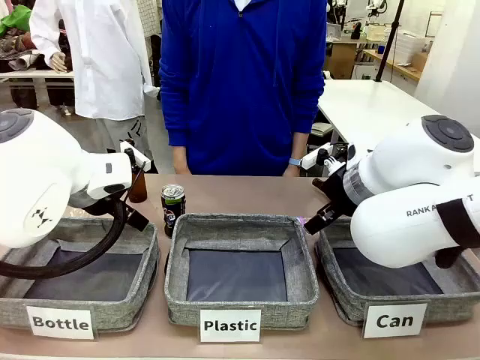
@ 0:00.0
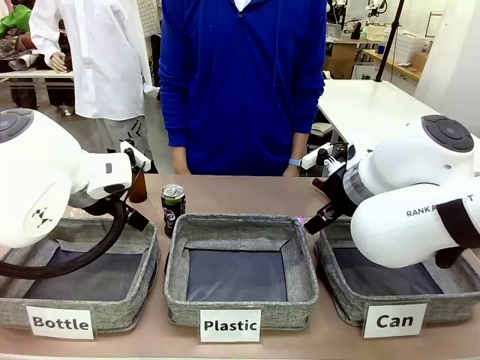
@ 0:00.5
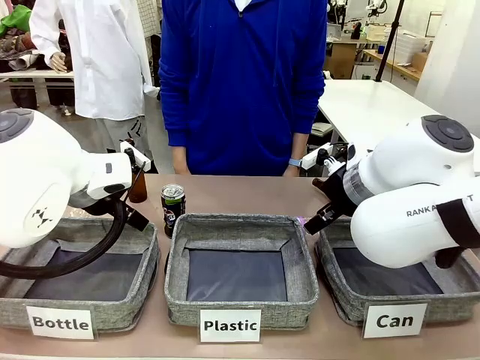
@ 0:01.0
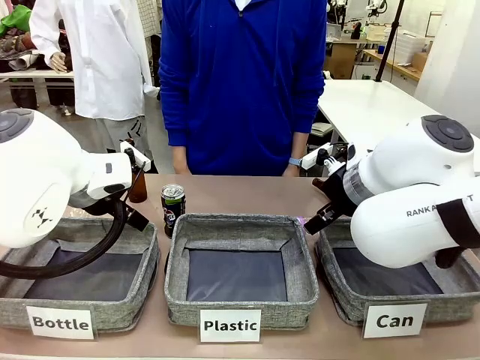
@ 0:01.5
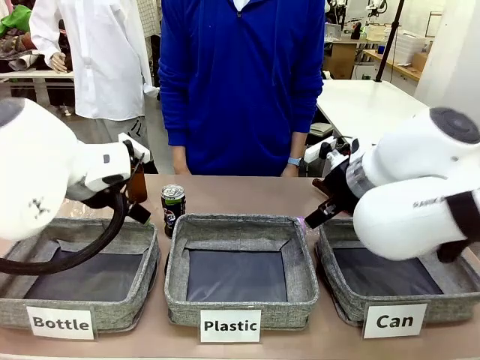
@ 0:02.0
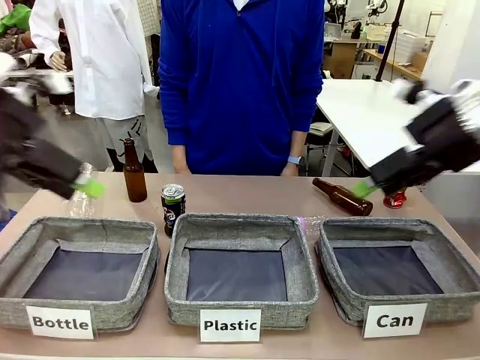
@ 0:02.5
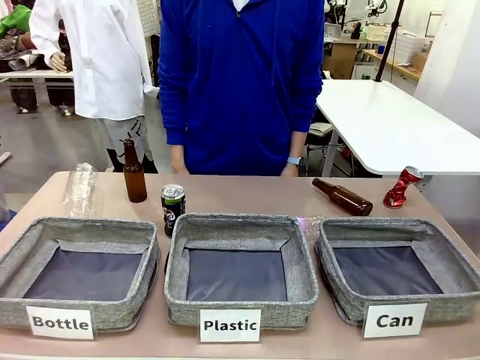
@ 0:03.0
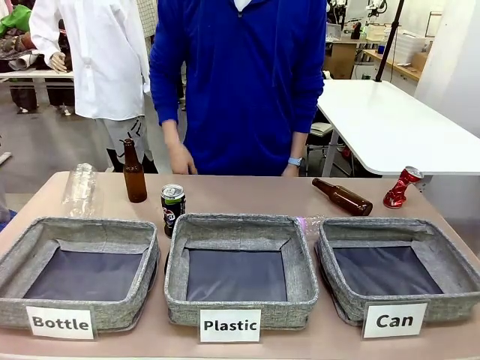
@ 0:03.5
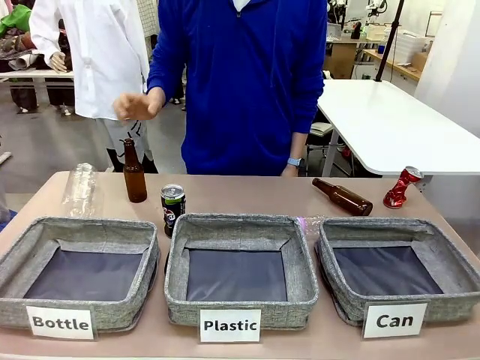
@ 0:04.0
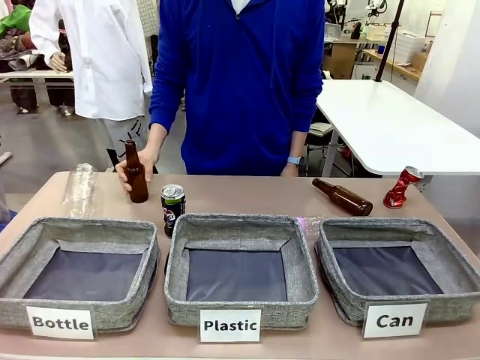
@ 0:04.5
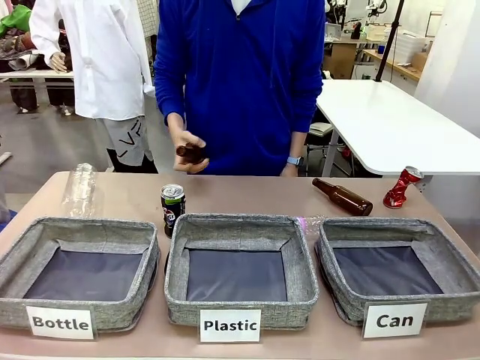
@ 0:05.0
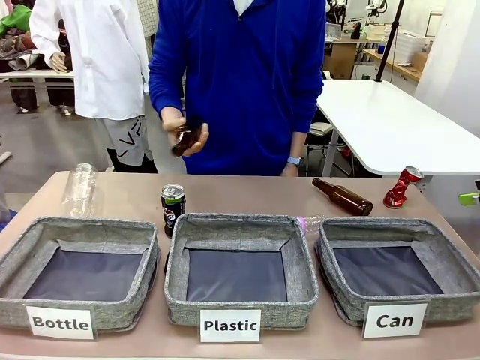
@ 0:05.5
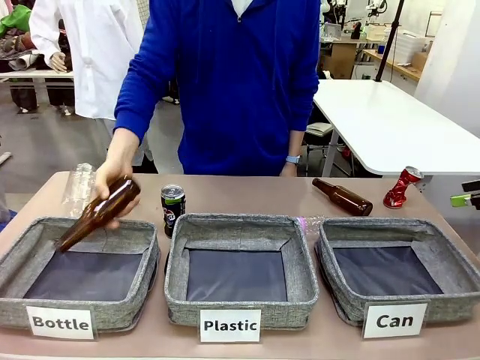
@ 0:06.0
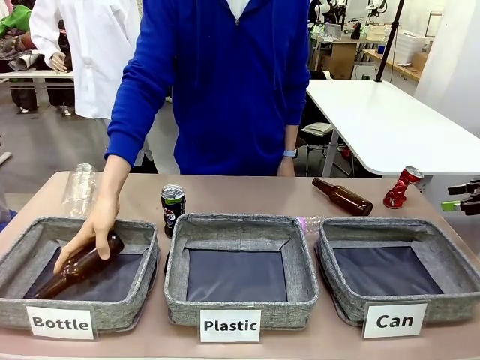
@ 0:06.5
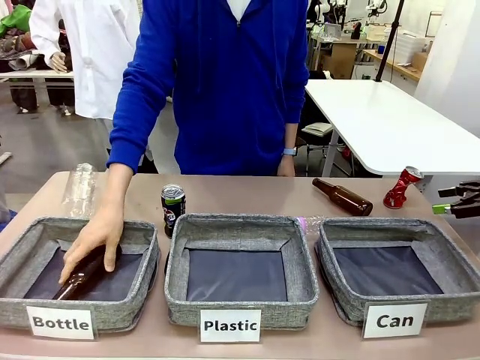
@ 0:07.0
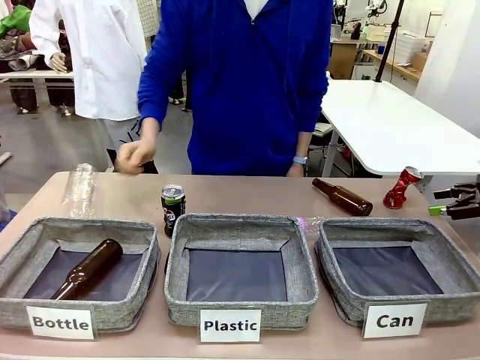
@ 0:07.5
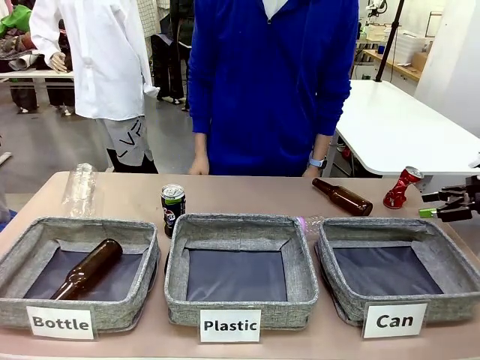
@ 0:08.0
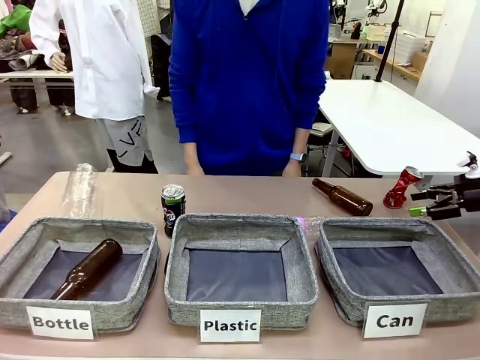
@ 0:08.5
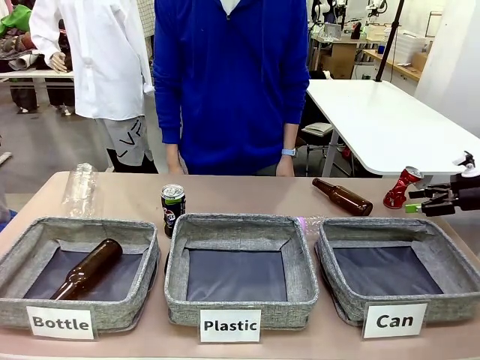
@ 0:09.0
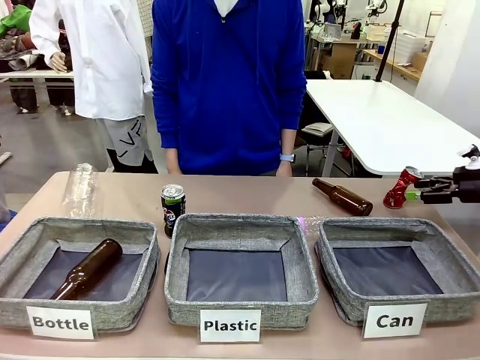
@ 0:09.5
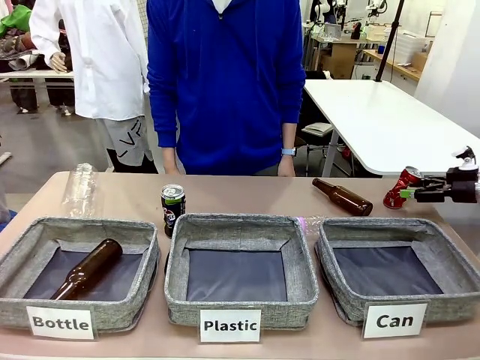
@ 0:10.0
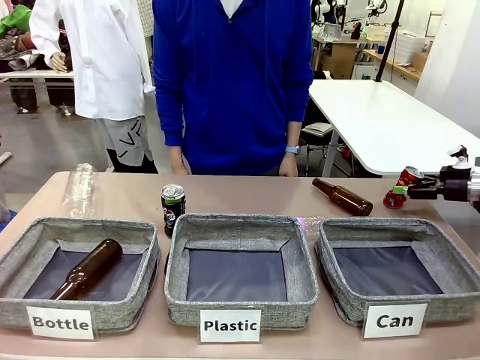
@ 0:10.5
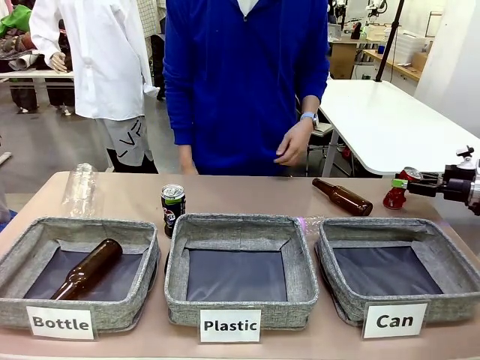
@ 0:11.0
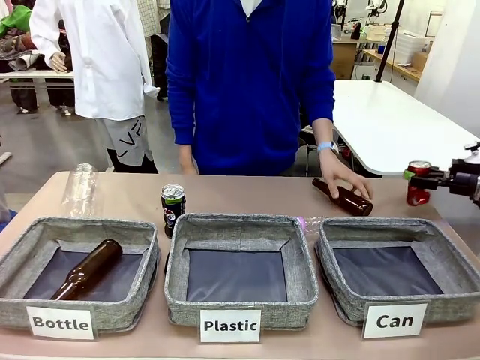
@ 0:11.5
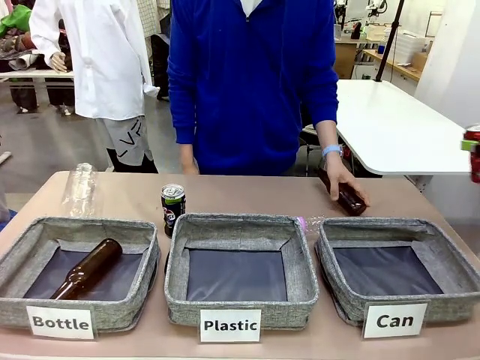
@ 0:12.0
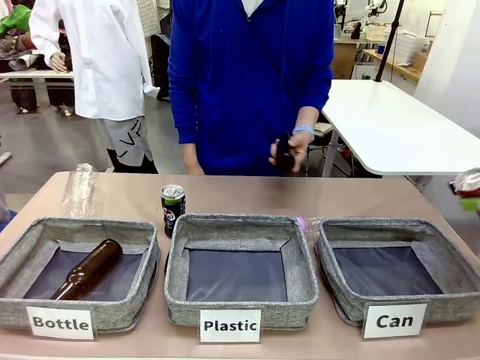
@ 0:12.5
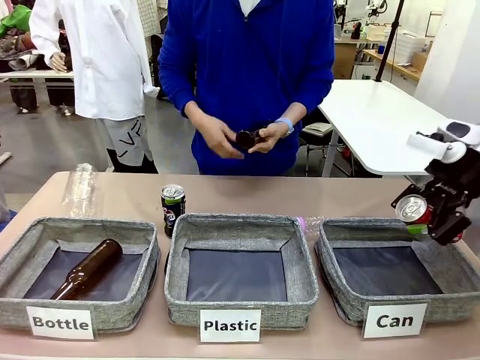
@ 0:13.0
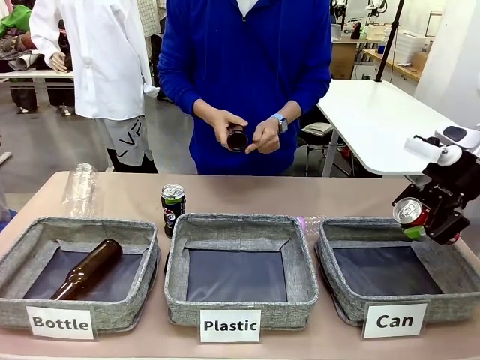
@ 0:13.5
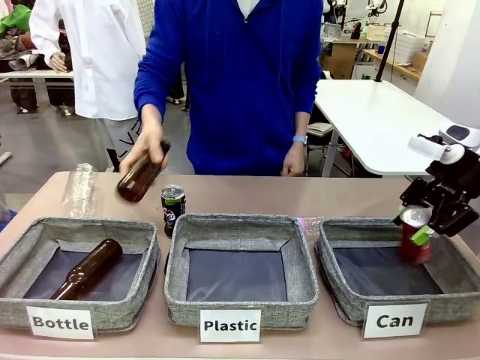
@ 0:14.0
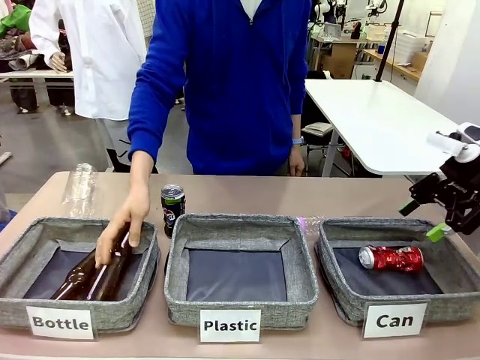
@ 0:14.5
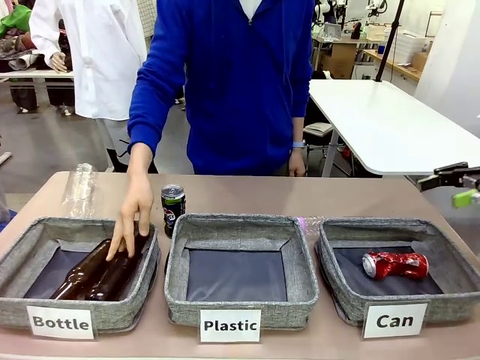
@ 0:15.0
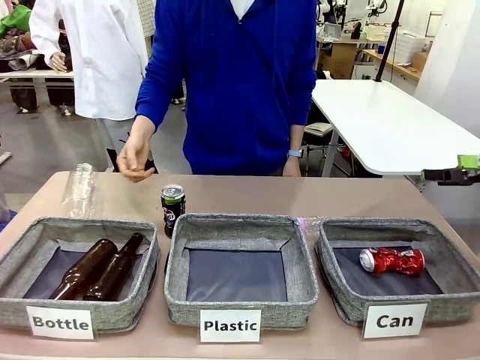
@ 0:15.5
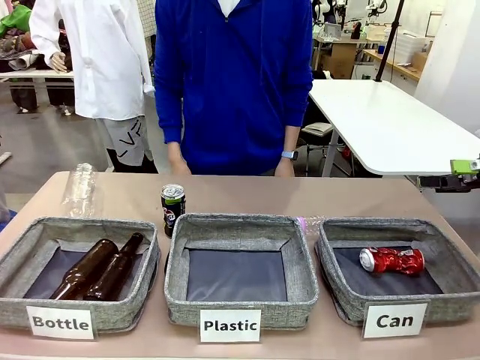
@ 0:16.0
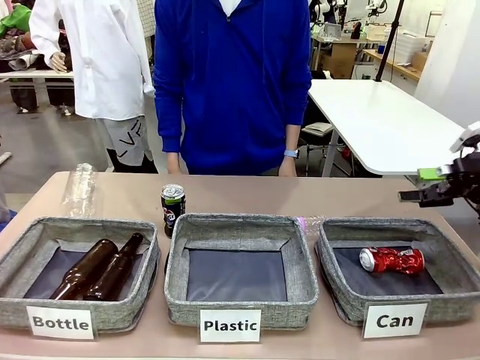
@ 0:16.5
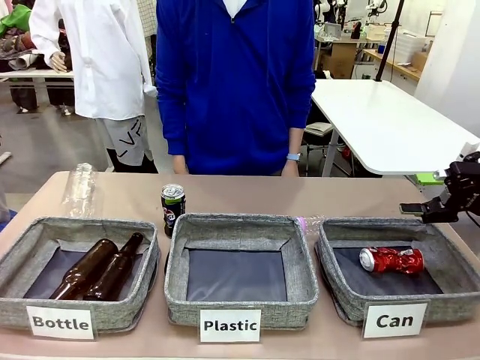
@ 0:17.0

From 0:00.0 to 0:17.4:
Task: Sort the can waste into the basket.
Robot: Pick up the can waste from the table and place it in the right Fabric basket.
